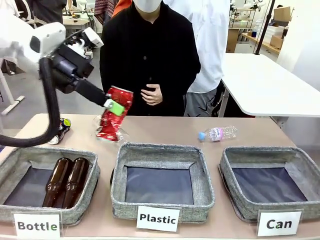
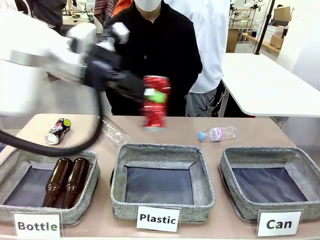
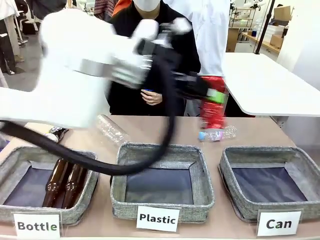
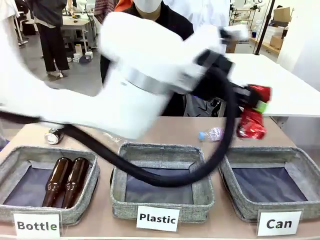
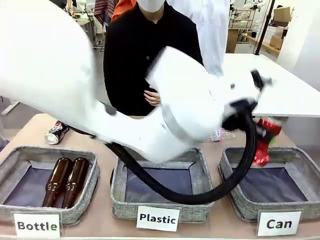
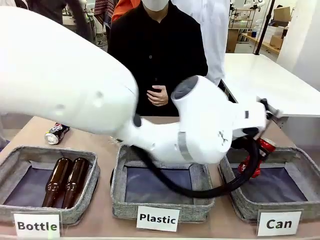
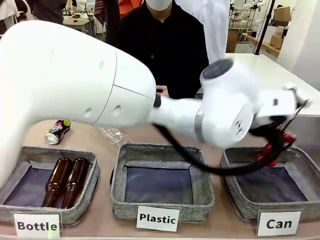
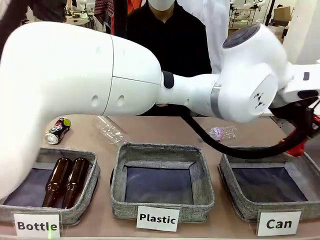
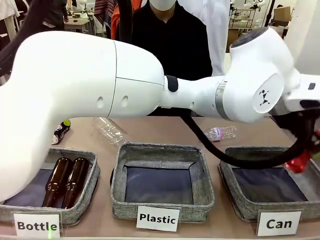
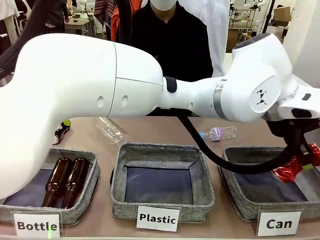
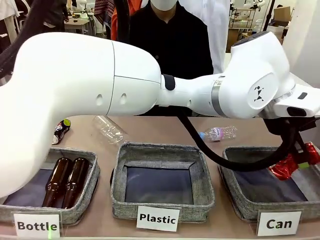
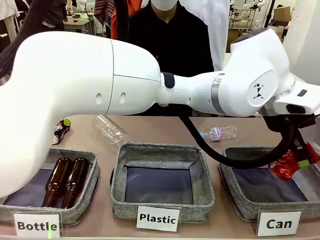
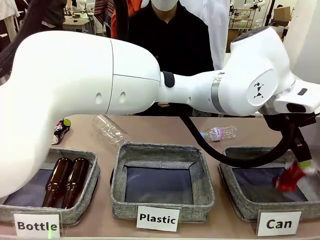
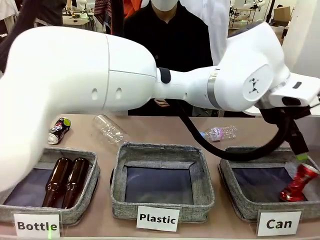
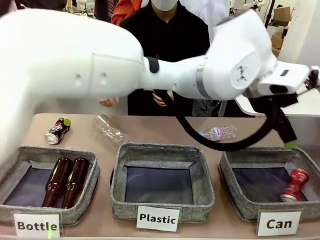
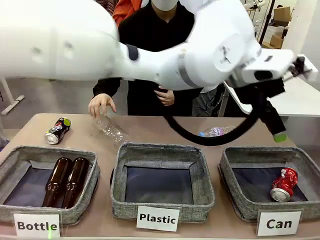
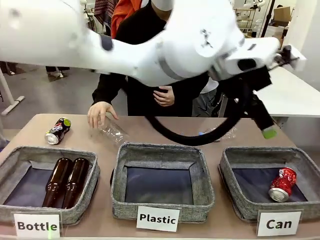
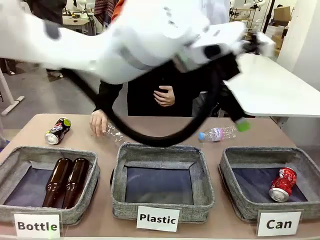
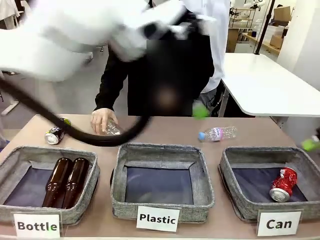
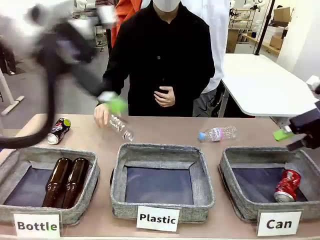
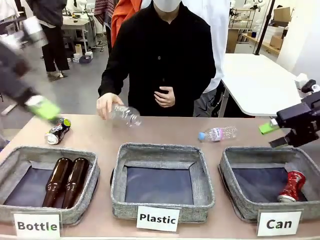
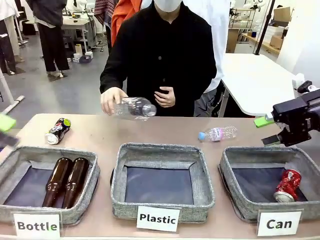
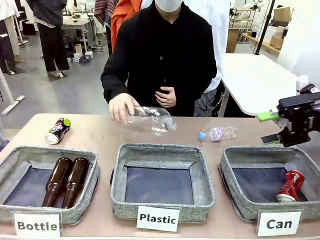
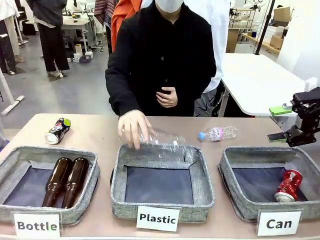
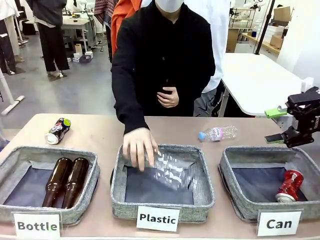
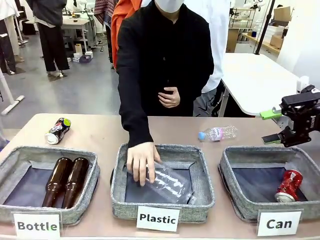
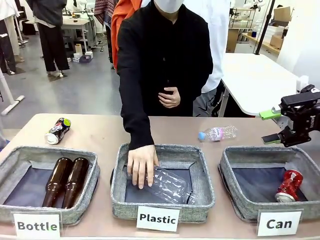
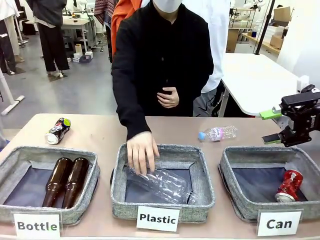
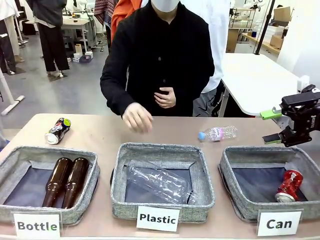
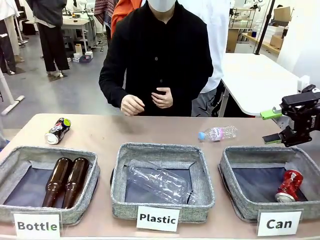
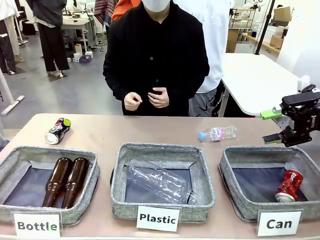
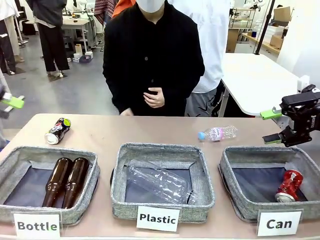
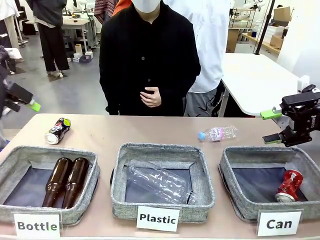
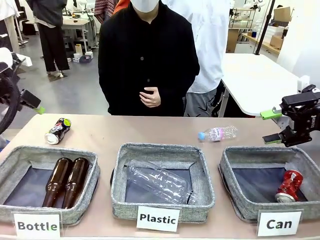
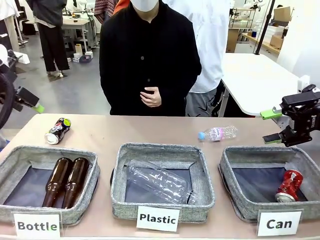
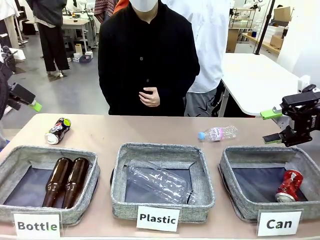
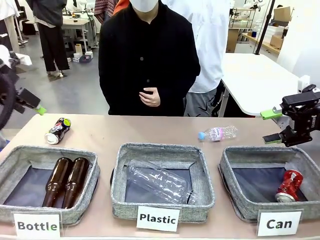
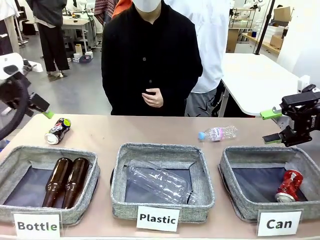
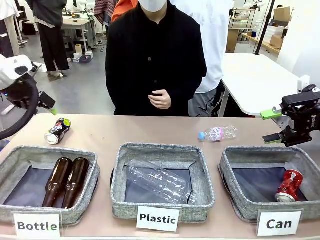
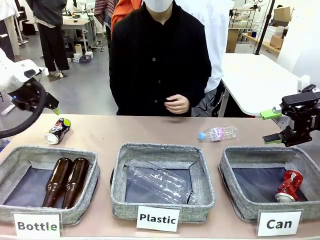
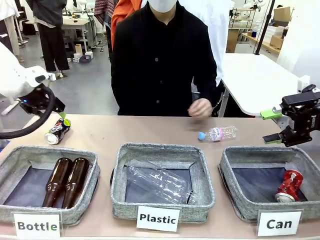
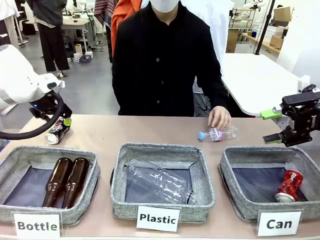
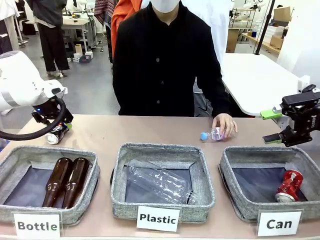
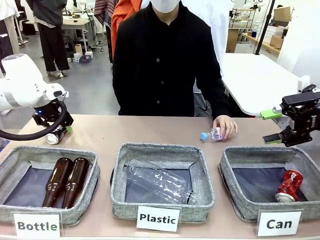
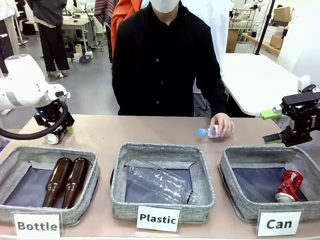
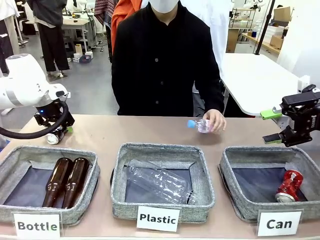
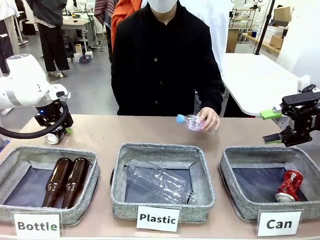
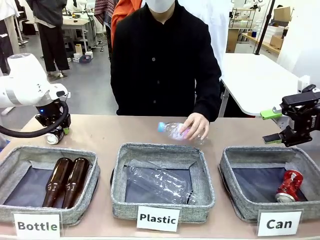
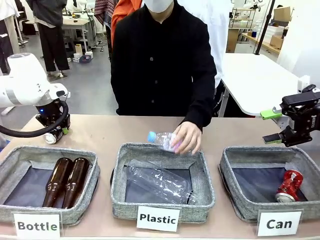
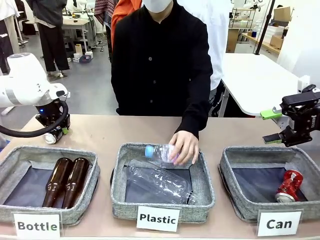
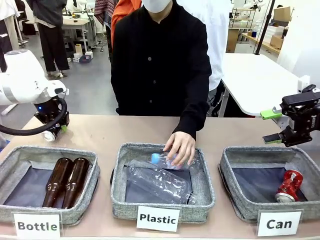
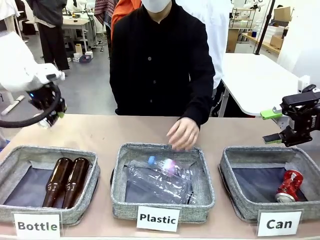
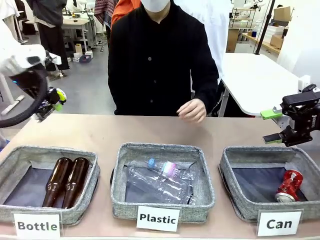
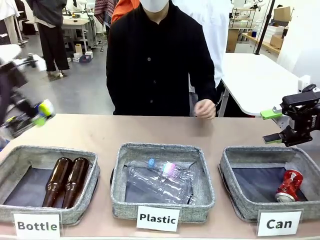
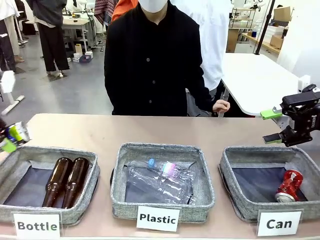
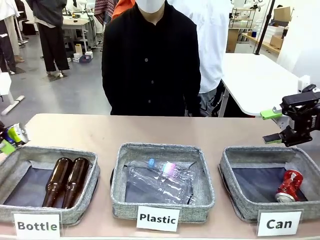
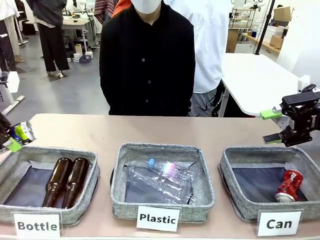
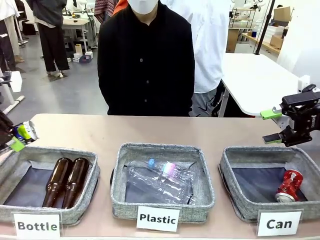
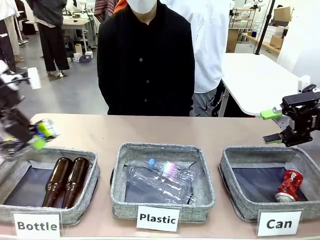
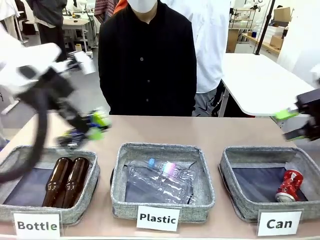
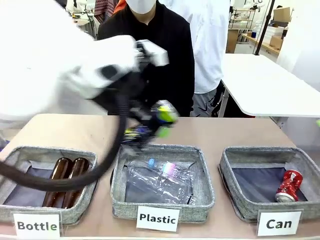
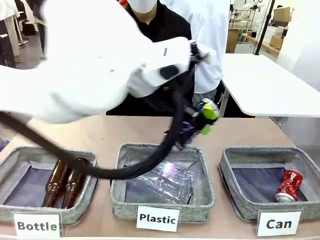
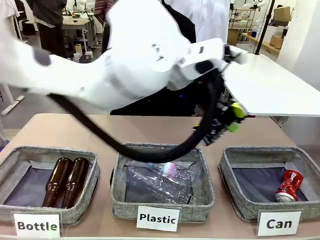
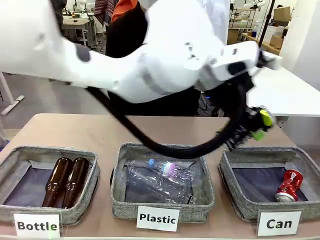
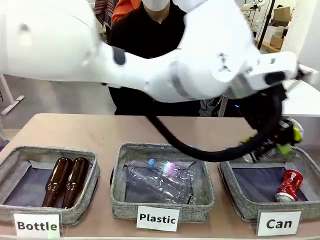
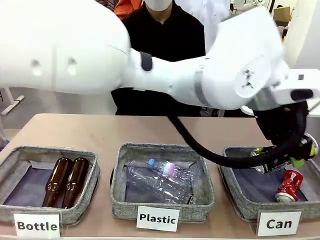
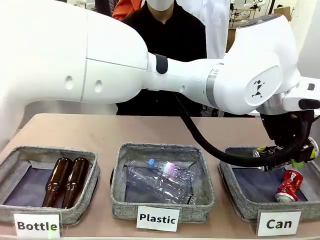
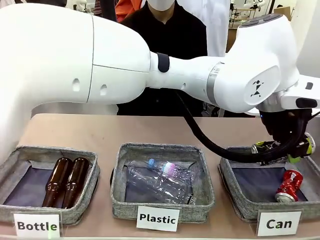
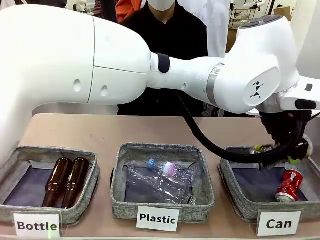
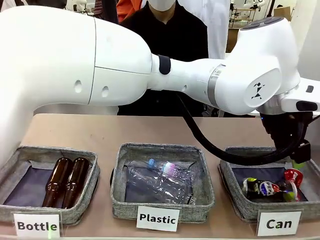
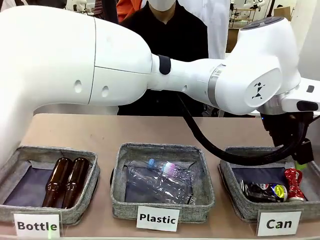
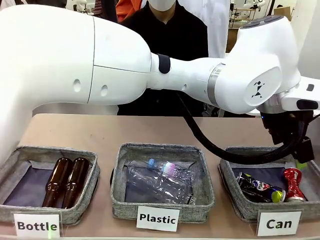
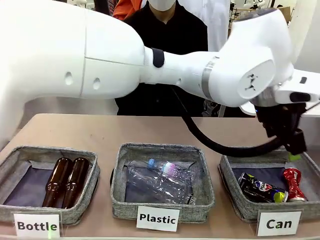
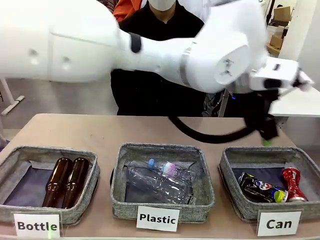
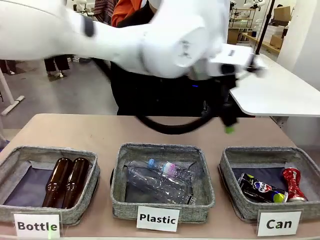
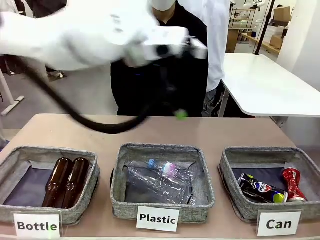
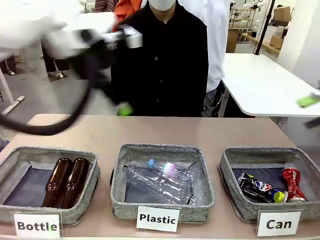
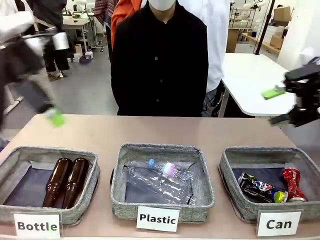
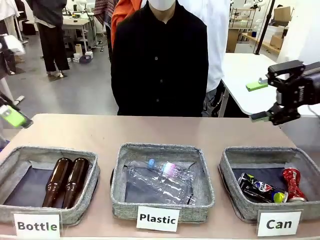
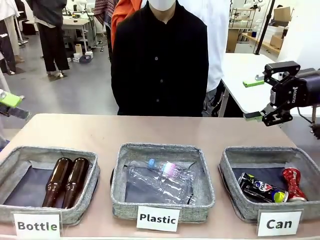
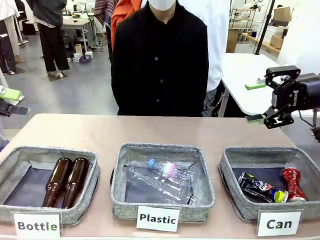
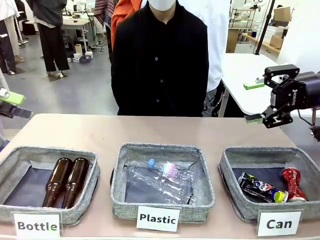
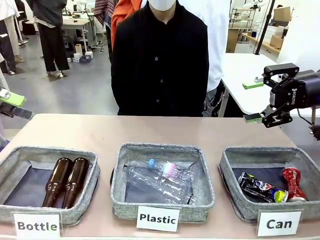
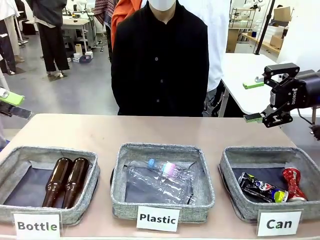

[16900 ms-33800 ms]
Task: Sort the can waste into the basket.
Robot: Pick up the can waste from the table and place it in the right Fabric basket.
